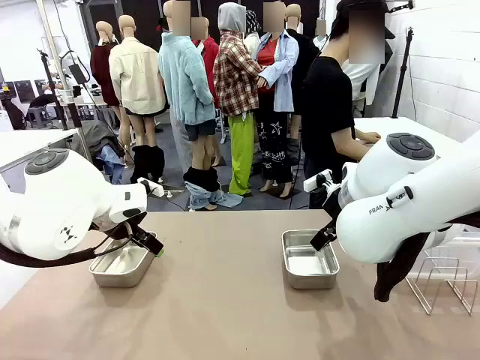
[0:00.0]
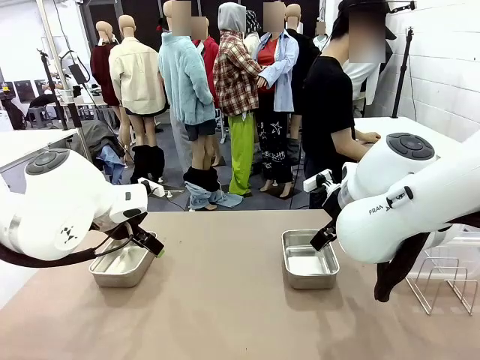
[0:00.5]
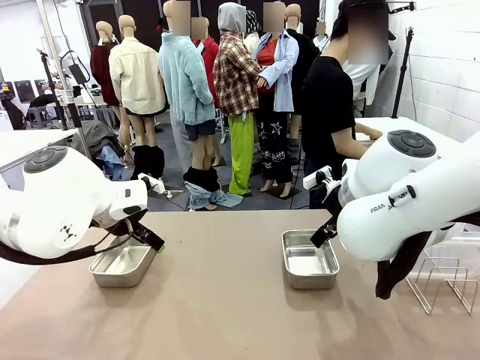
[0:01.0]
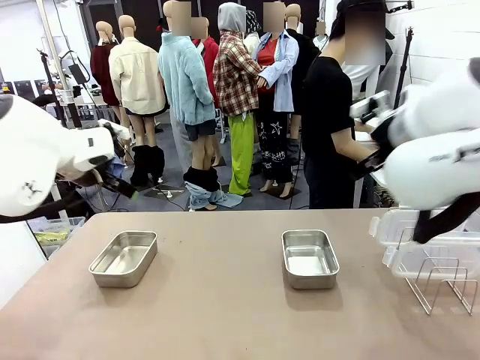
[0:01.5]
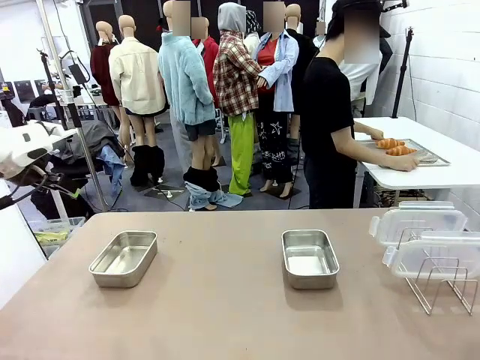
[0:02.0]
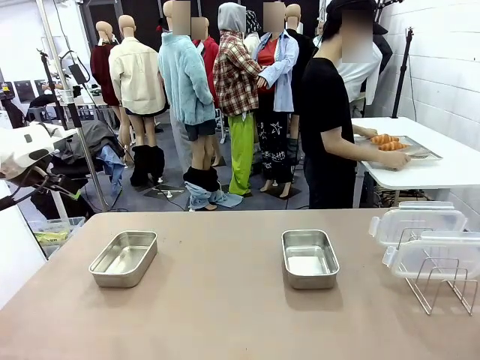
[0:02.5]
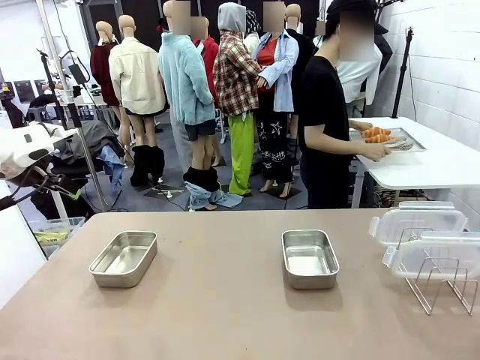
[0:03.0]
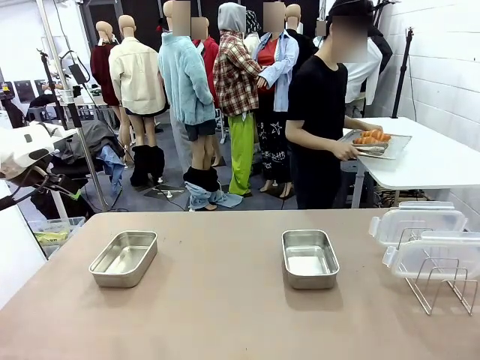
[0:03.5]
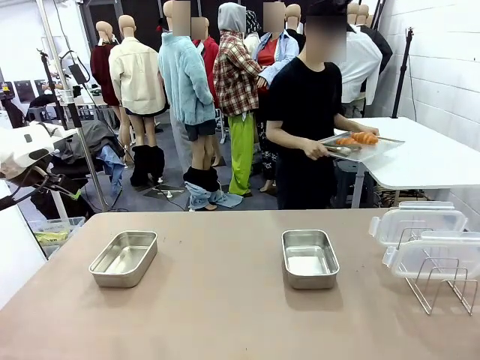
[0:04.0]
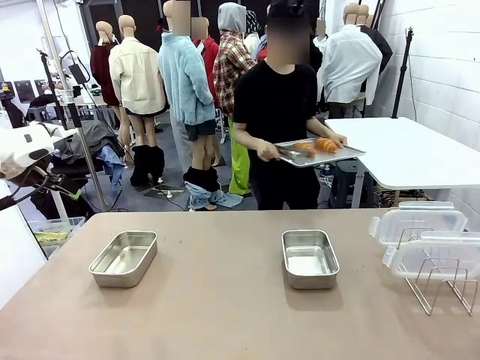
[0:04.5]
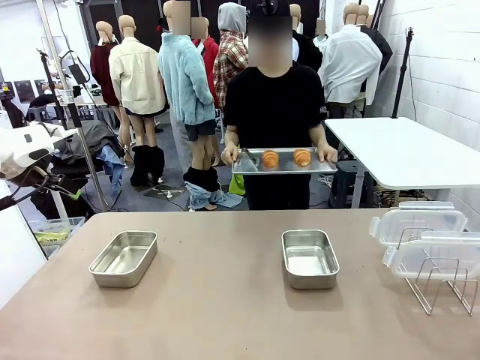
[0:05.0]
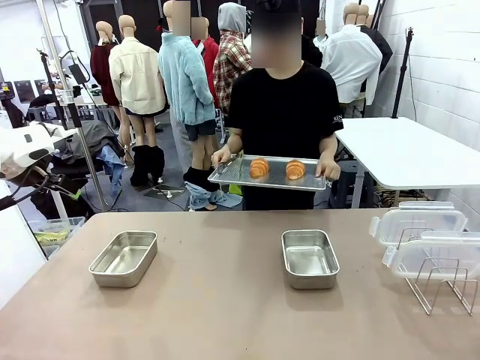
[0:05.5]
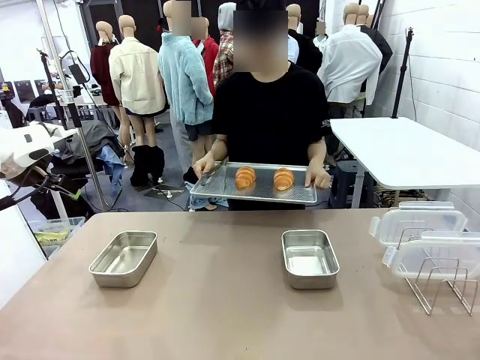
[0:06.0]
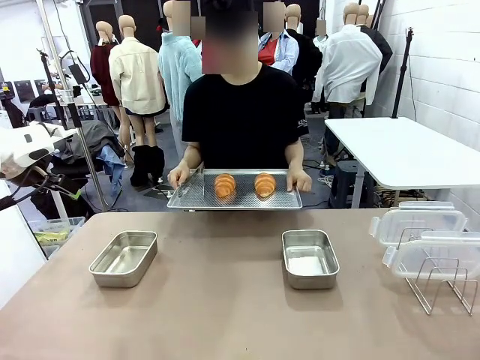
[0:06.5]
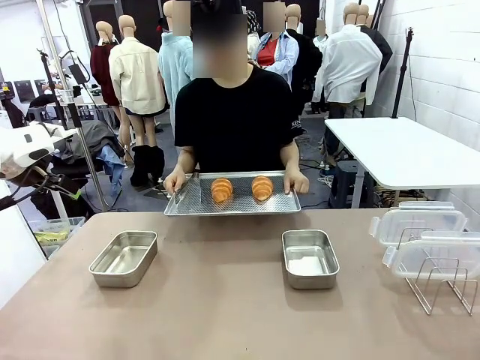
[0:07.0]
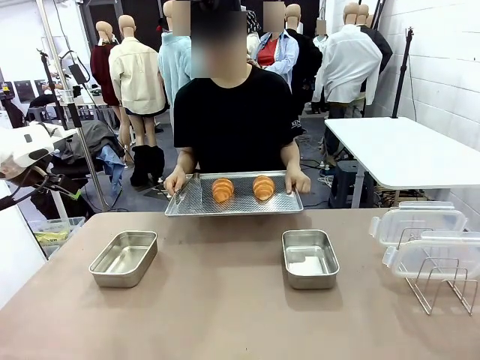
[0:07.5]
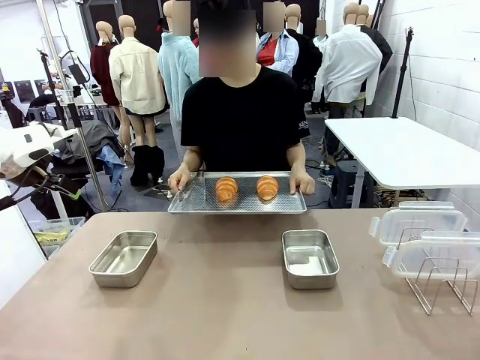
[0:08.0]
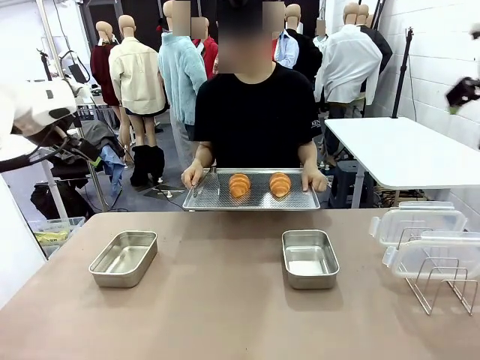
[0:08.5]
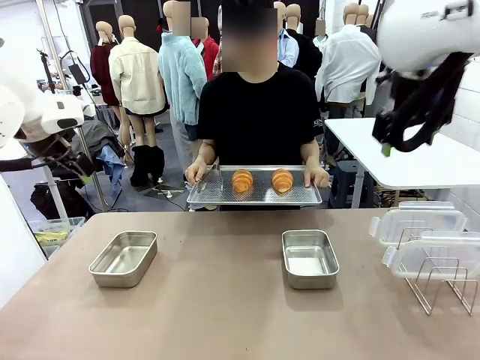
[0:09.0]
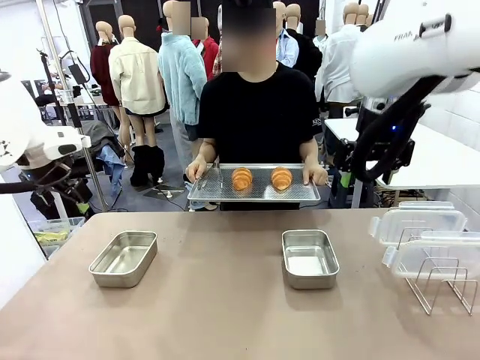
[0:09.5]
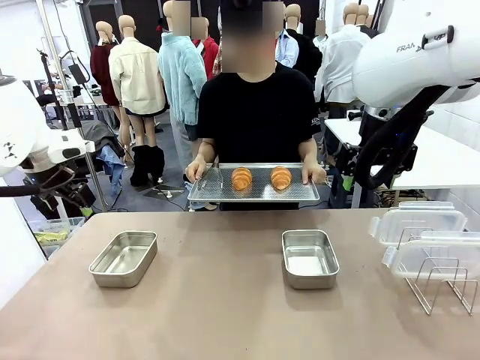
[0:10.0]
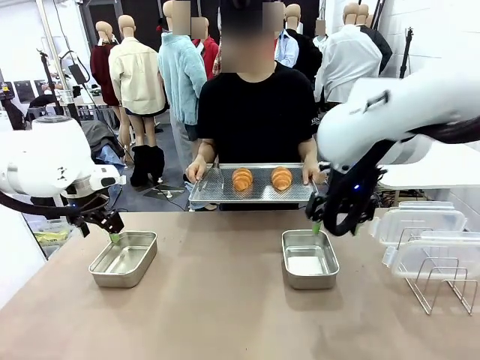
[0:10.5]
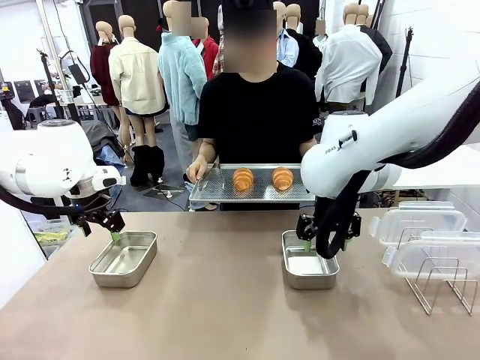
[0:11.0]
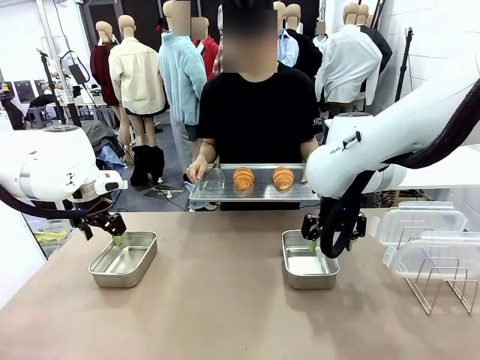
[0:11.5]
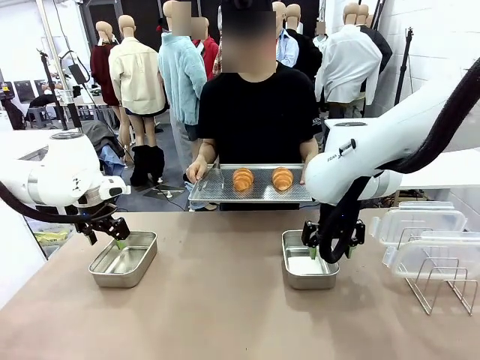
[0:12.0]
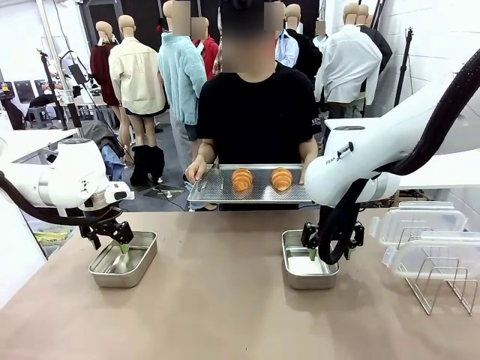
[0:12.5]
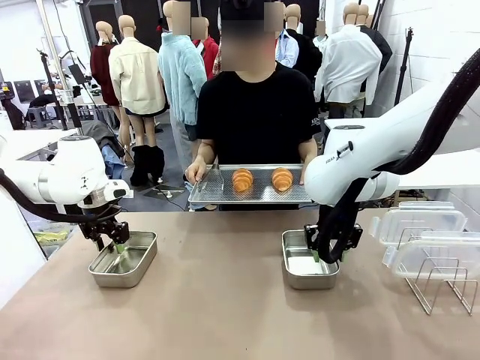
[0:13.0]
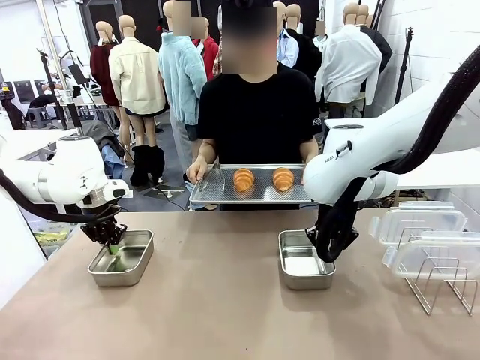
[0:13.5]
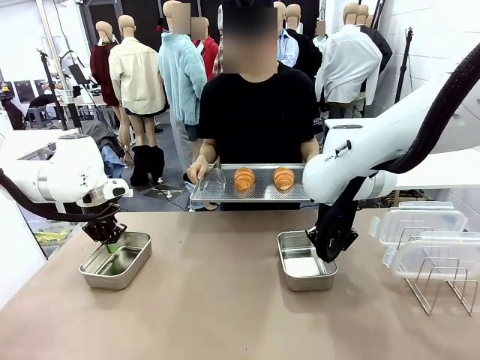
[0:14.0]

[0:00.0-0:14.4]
Task: Place the bread in airtight containers.
Robot: Lift both Airtight Container.
Person: Bring the Baking Sheet in front of Robot's Table.

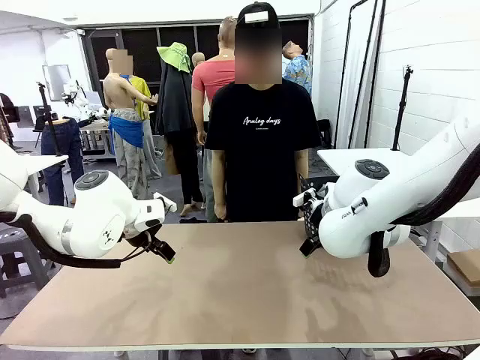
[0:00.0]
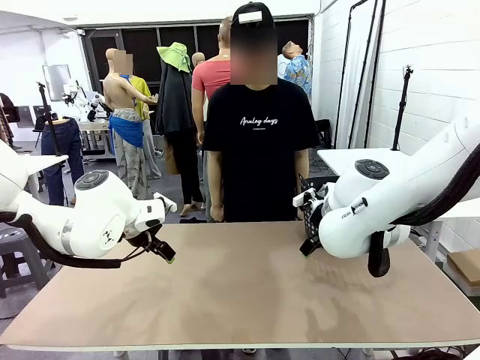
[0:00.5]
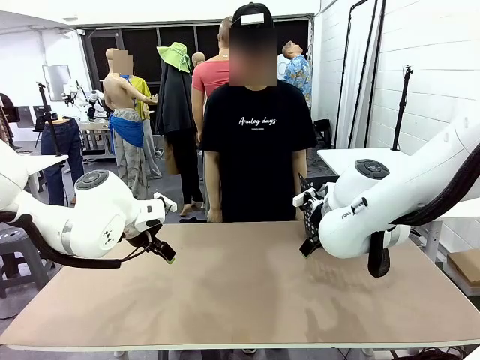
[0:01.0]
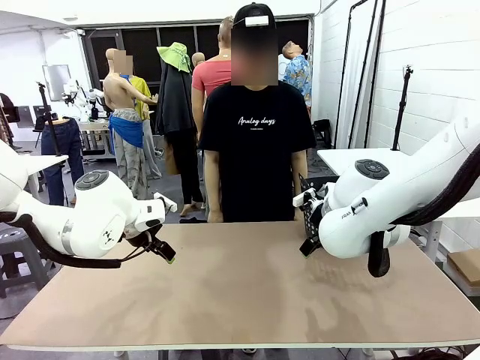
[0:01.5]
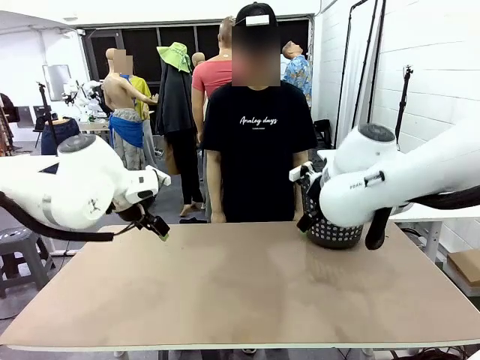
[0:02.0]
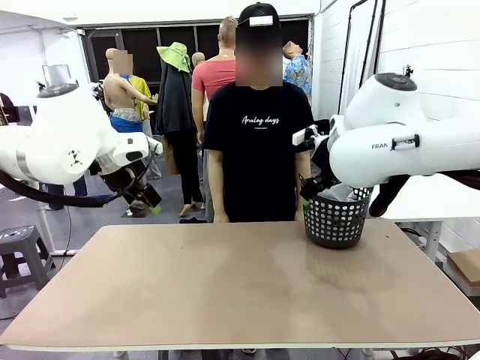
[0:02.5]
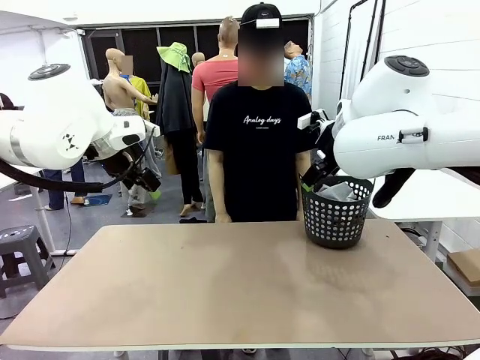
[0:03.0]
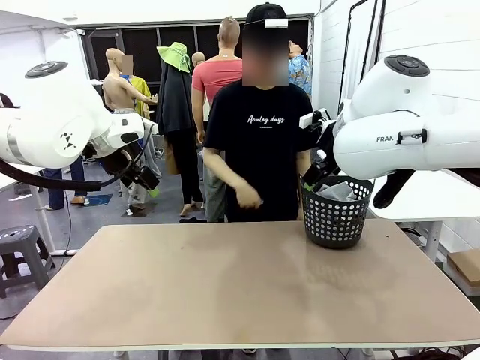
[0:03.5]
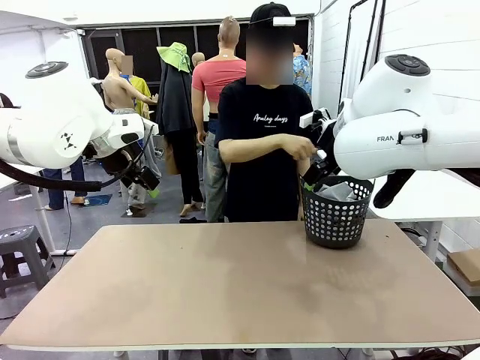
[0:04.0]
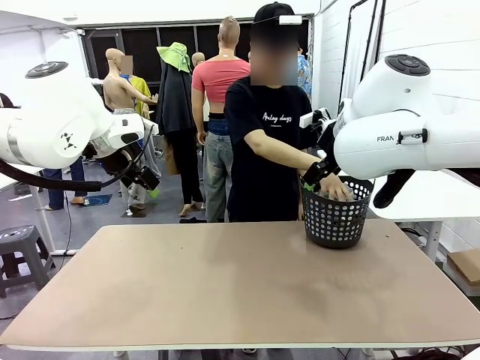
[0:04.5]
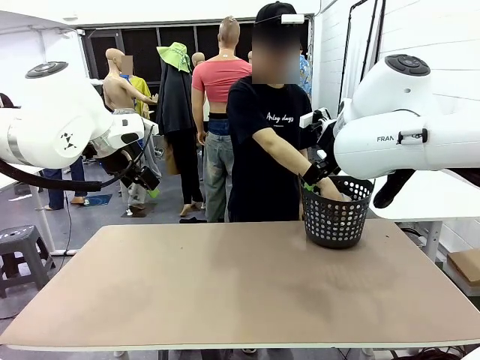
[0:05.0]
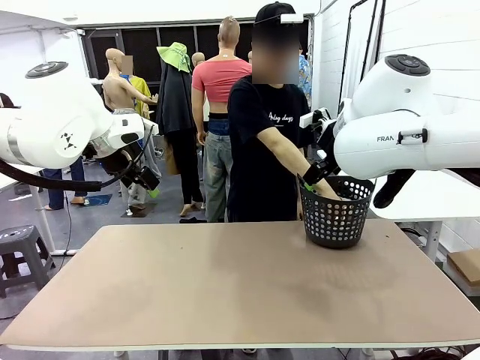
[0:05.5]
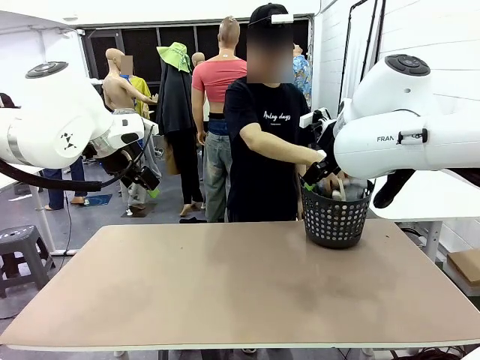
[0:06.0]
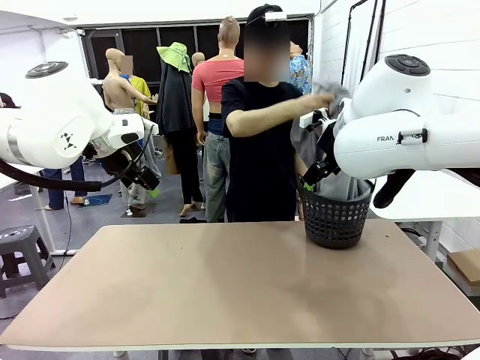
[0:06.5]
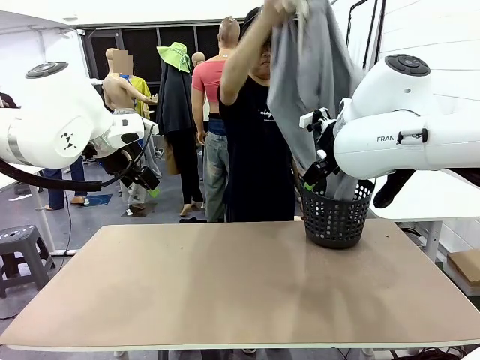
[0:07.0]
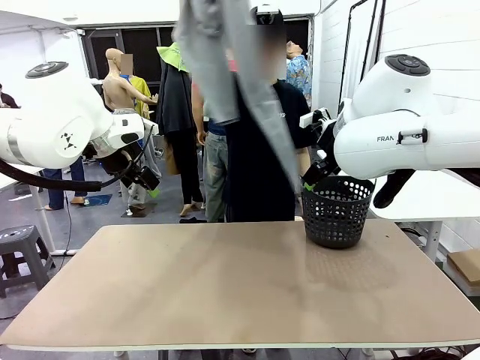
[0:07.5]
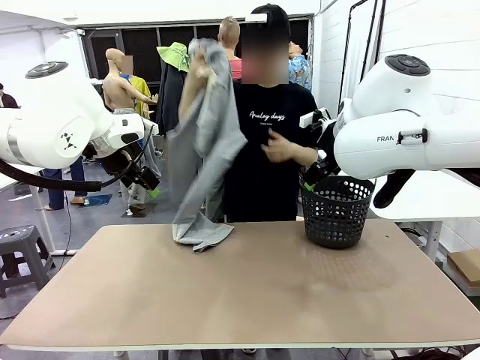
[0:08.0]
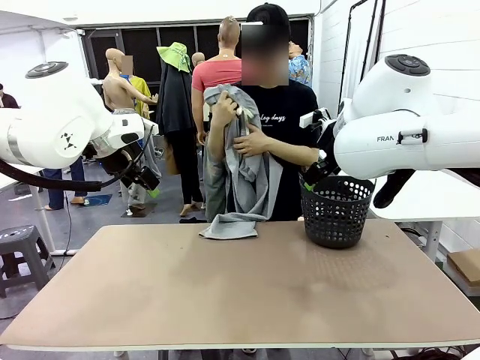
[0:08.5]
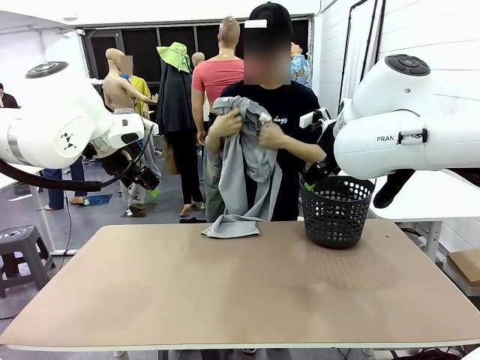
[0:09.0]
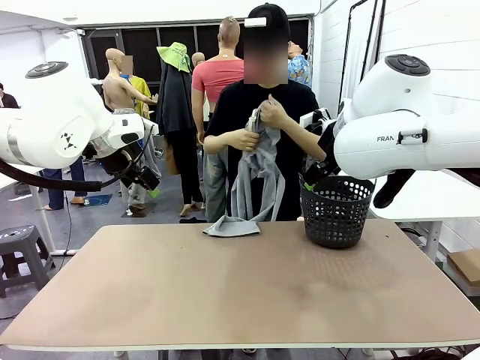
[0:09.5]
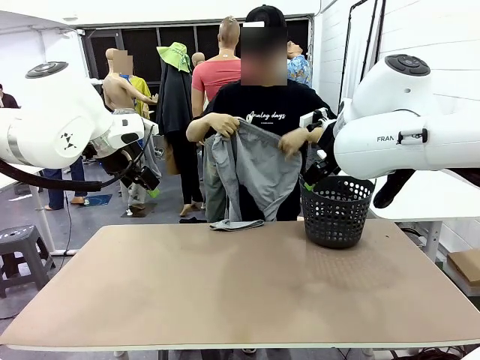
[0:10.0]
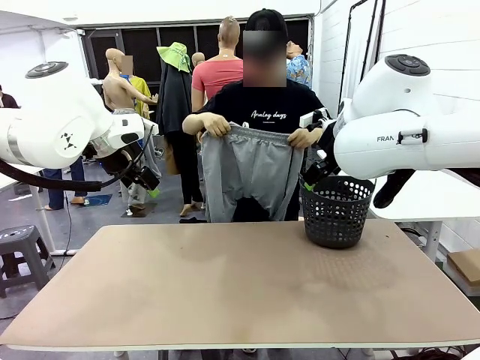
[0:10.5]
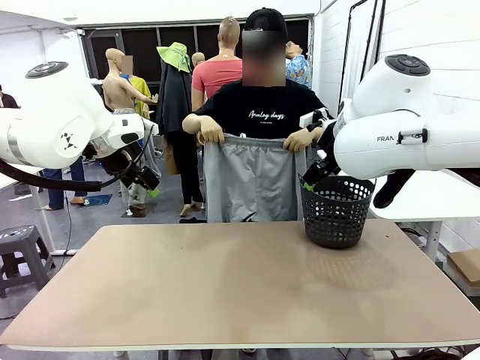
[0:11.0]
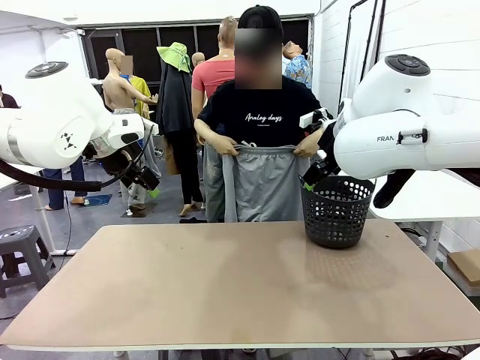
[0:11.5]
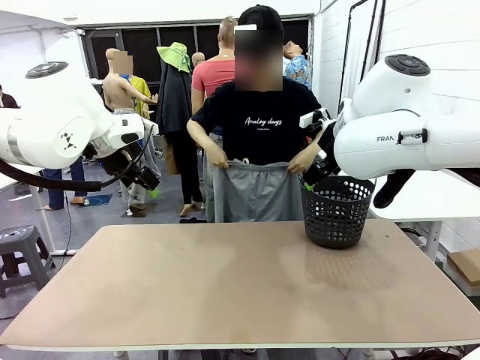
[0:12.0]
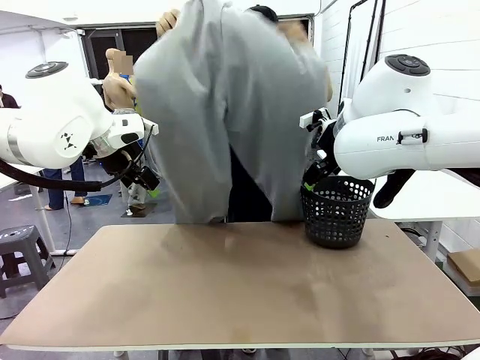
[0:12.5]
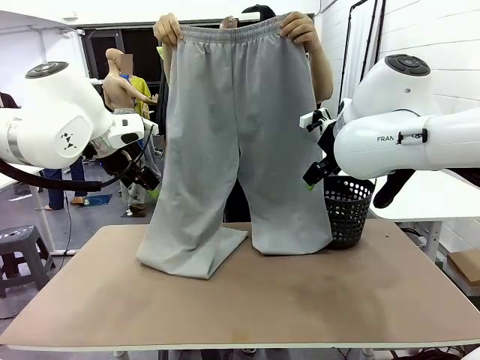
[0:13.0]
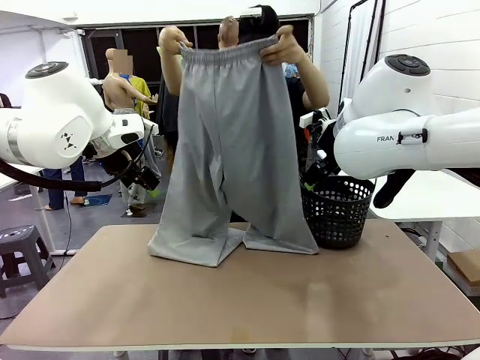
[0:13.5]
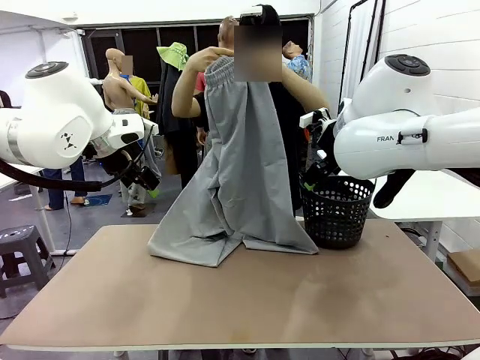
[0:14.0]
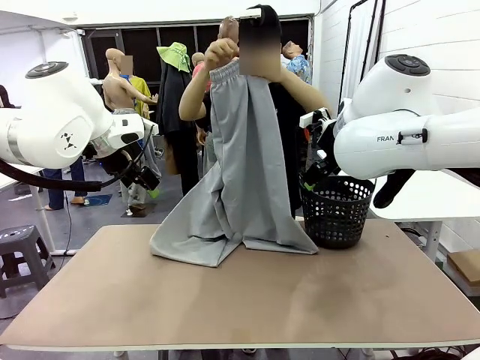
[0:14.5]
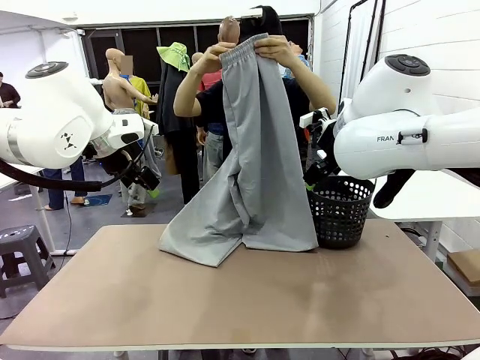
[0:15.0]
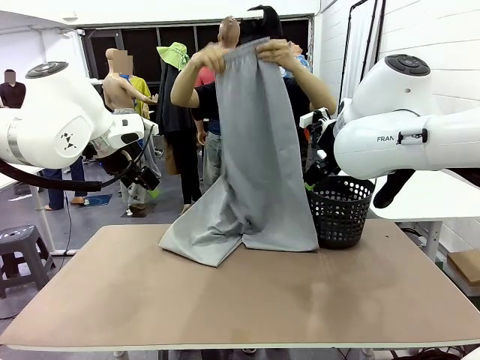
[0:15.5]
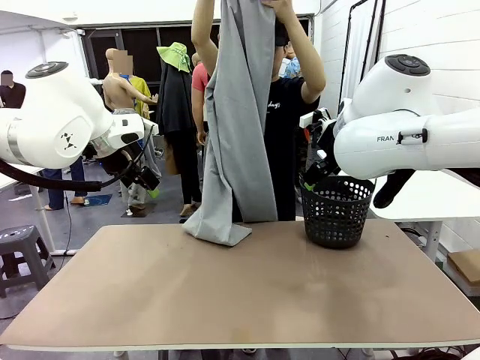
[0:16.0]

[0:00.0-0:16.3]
Task: Fold the training pants.
Robot: Grab both ends of the Training pants handed by a person.
Person: Take the long pants out of the laundry basket, unfold them, fold the waist in half, and extend them so the robot can pick up both corners.
